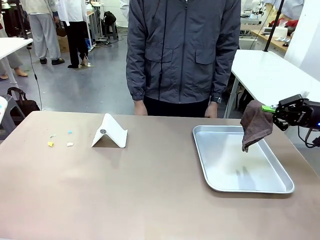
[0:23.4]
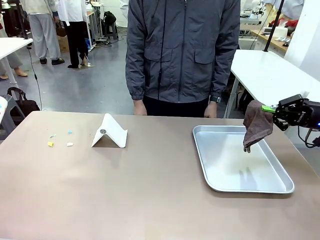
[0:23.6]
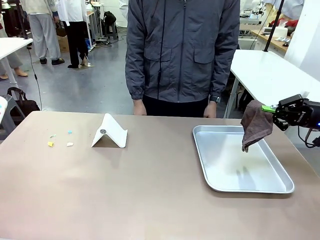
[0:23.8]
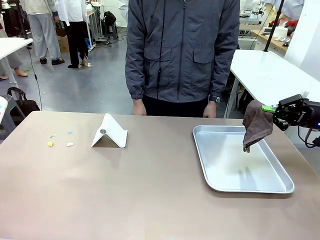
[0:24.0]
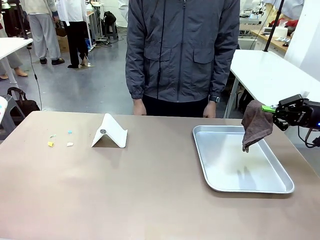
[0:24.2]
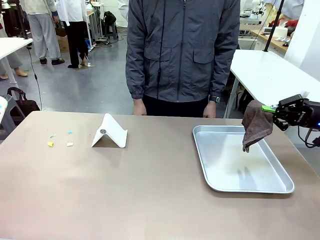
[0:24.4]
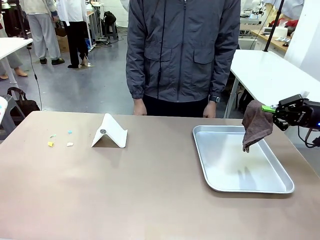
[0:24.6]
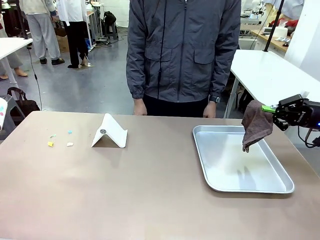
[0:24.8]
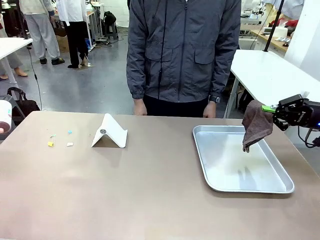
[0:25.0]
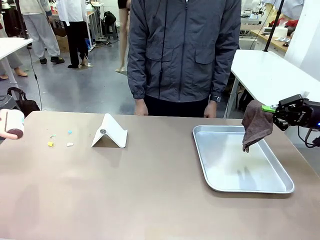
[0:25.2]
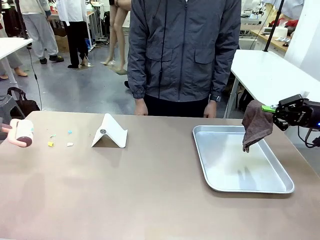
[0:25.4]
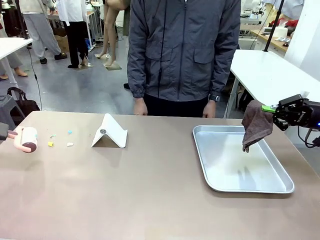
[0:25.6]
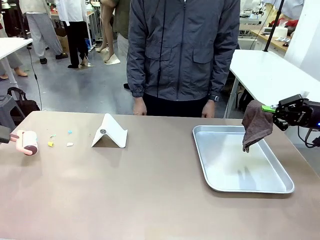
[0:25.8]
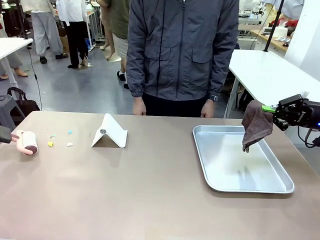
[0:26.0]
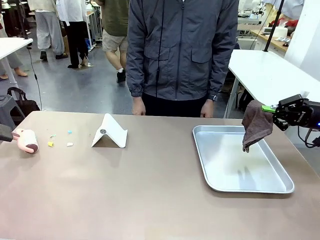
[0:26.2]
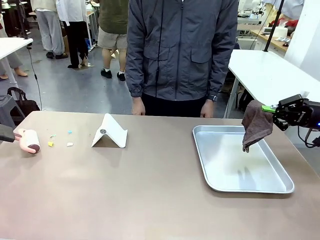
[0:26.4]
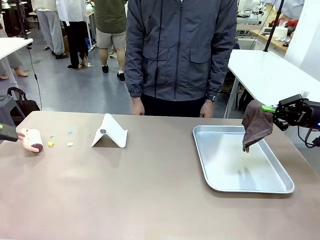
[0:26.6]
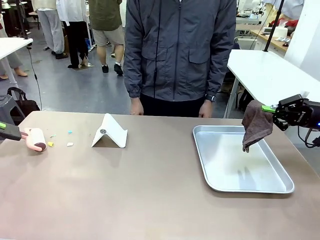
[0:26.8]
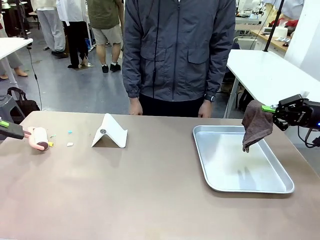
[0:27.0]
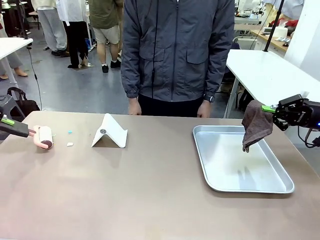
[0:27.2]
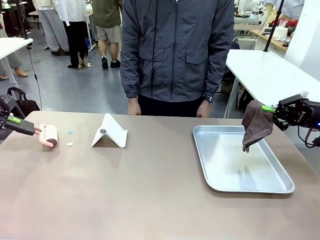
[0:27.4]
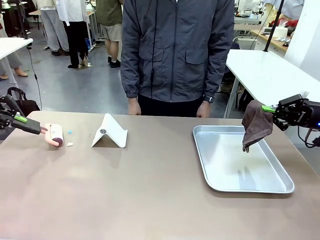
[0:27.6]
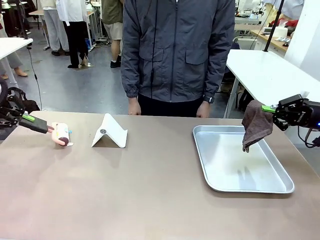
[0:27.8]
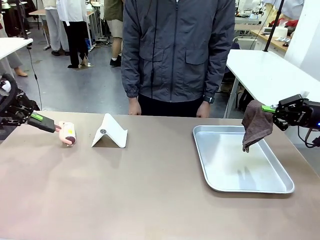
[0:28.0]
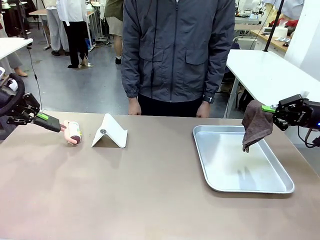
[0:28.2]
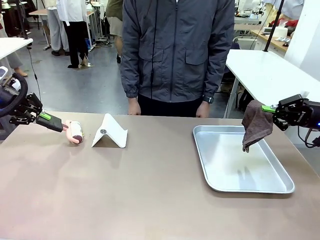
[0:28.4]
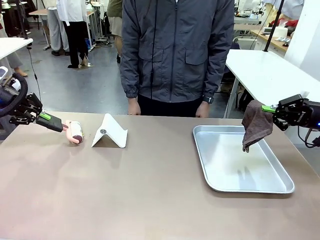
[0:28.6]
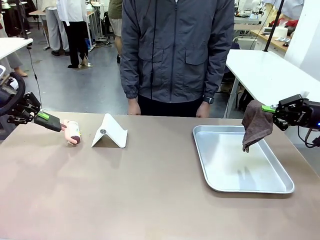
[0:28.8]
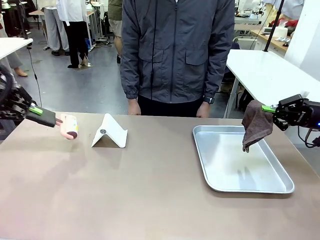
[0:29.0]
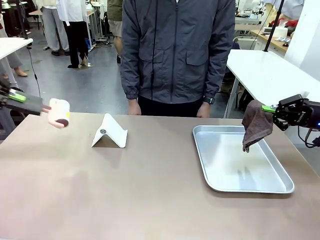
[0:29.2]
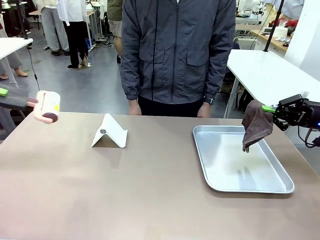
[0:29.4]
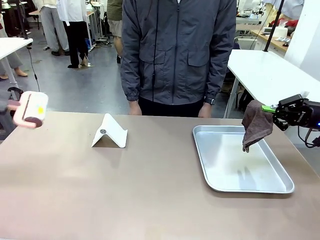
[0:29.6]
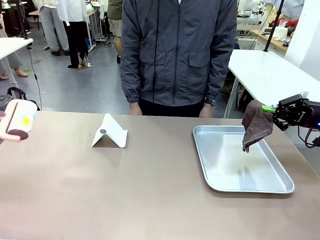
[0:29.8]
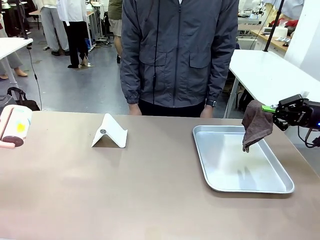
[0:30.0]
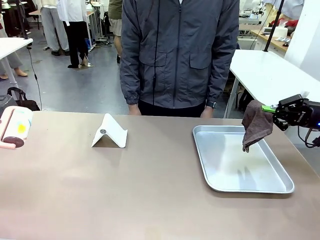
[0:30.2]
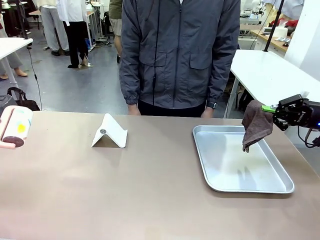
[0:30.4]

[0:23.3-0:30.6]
Task: Clean the surface of the table.
Robot: Clean the area not pointed to by the person.

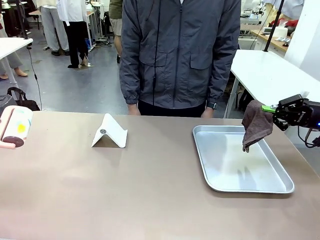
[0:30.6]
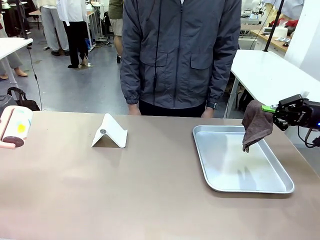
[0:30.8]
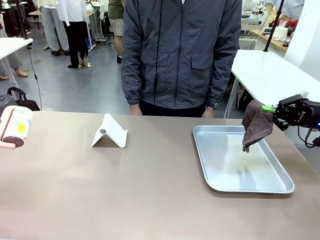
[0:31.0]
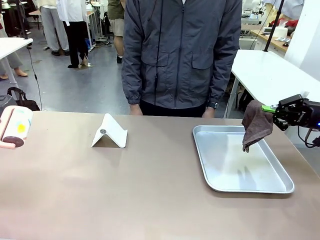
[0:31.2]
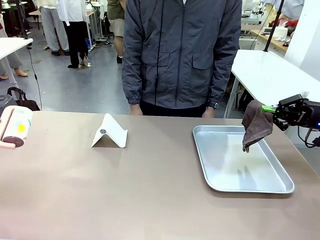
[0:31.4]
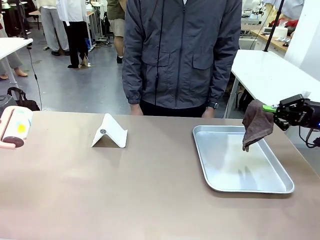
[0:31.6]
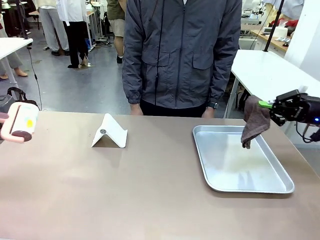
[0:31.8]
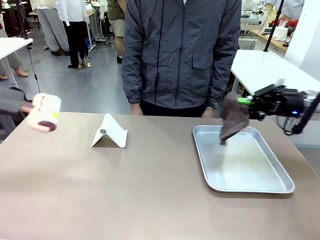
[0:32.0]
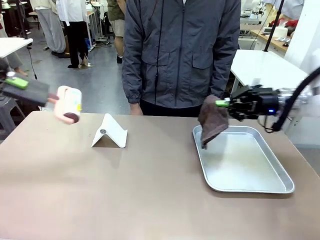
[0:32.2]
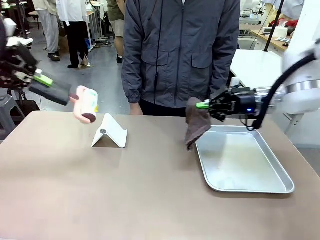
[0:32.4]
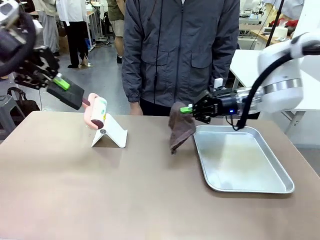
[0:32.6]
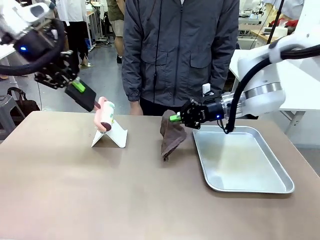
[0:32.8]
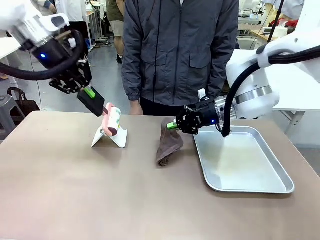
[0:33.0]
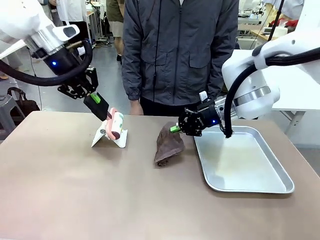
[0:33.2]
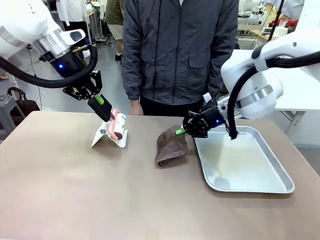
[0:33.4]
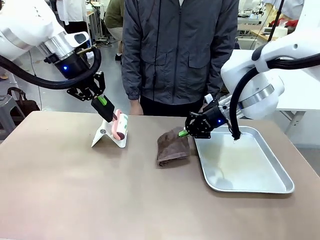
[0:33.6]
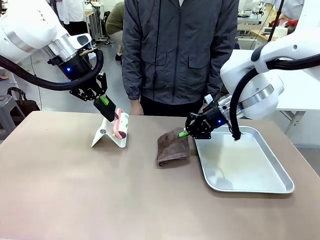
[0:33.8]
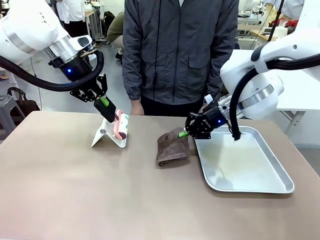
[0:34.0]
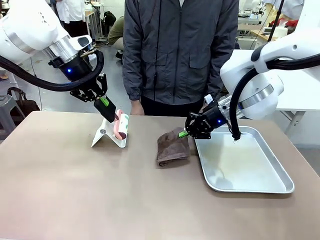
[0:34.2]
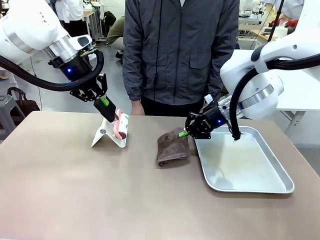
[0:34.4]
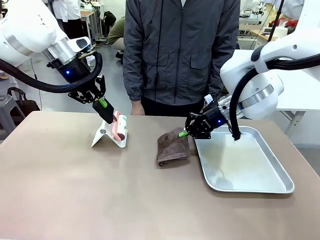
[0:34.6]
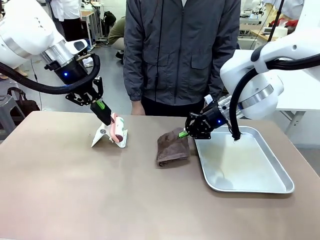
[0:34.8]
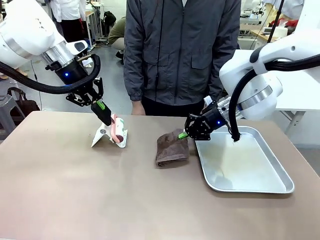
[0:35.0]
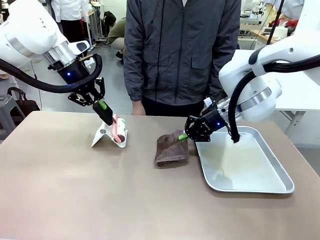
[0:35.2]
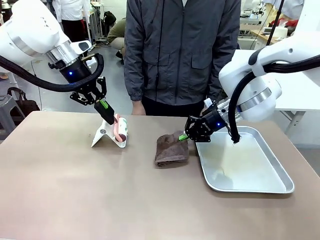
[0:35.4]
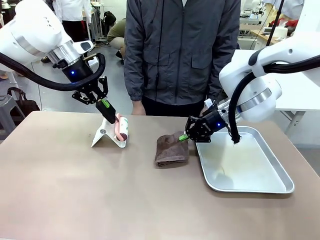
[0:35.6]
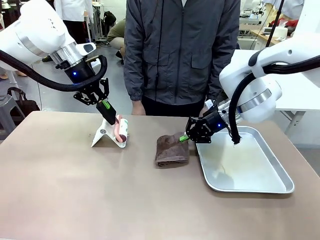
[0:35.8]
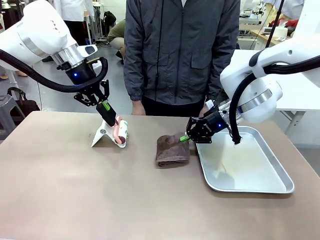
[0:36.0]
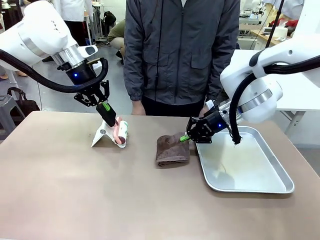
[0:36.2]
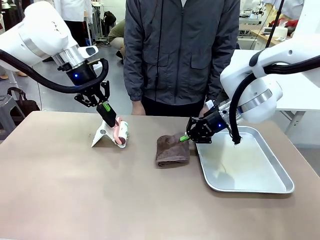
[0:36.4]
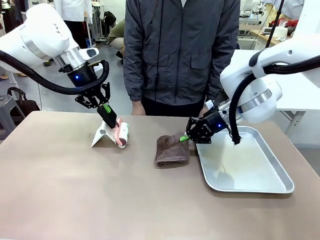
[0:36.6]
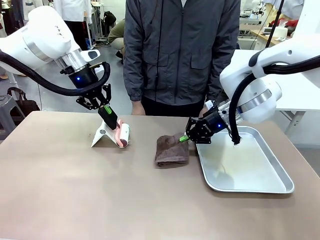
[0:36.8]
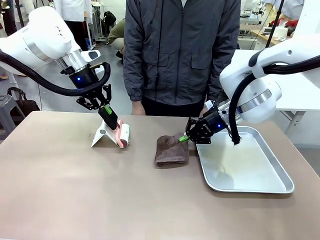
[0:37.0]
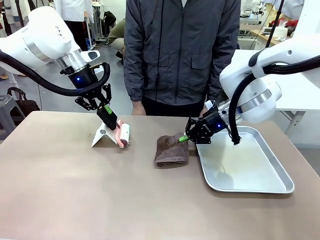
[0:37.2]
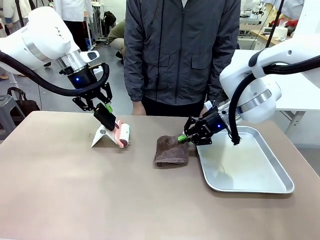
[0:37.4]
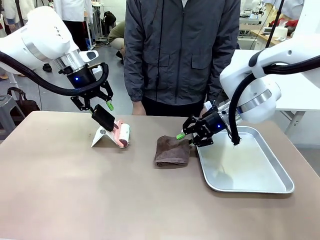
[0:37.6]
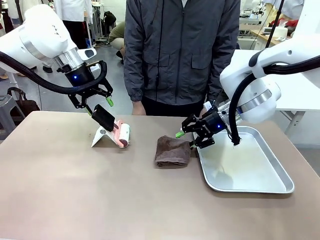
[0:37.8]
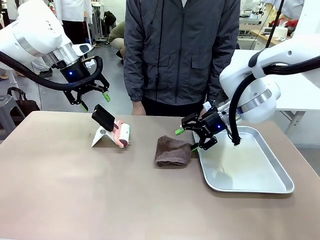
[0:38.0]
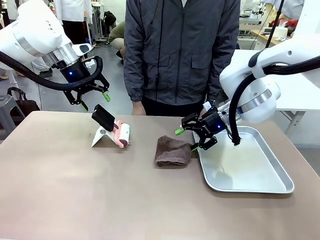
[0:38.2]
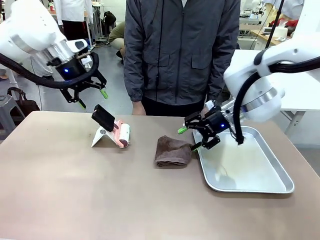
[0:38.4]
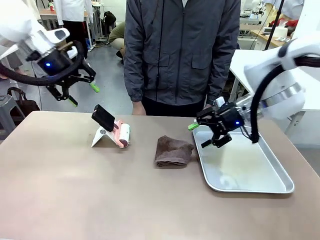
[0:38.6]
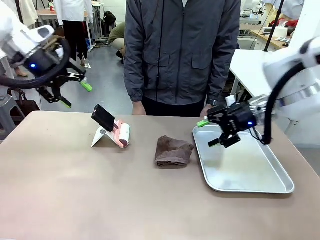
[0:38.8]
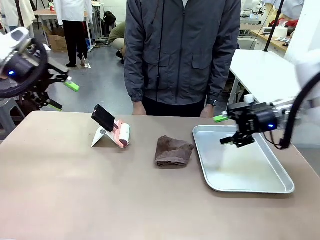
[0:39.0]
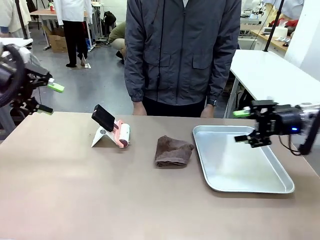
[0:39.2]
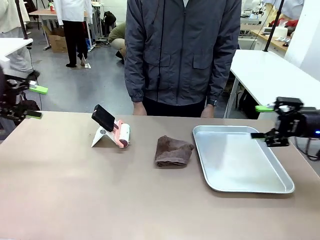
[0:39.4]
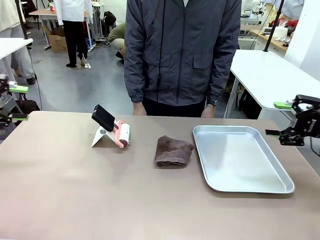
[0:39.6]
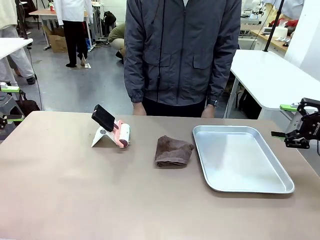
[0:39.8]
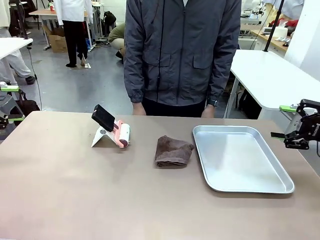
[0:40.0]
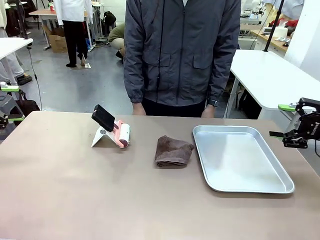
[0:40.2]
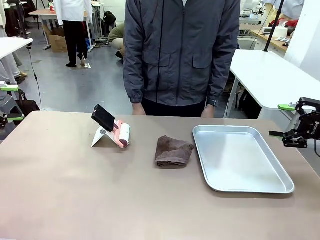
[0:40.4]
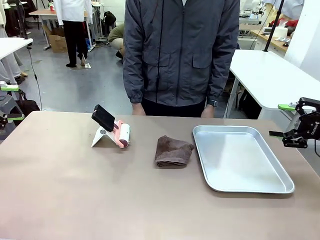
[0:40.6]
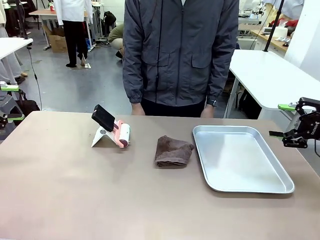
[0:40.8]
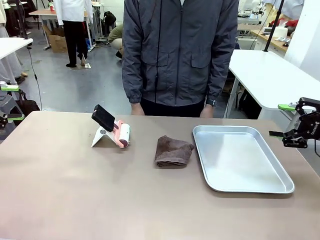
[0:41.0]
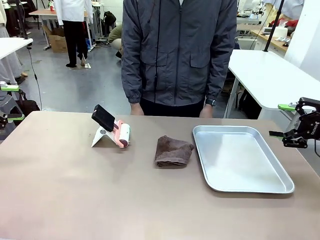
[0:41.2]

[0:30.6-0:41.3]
Robot: Return the Lint Roller and towel to their original positions.
